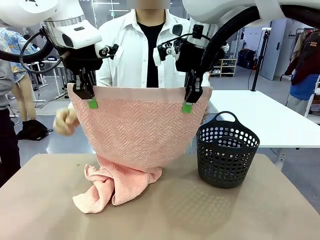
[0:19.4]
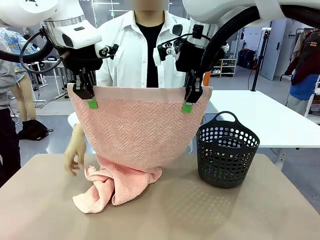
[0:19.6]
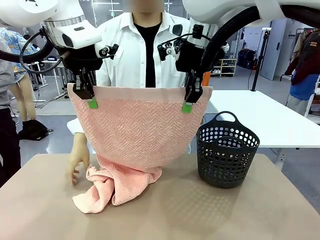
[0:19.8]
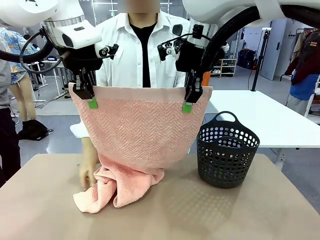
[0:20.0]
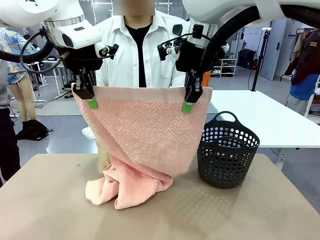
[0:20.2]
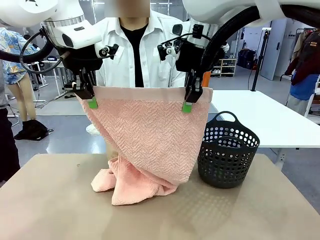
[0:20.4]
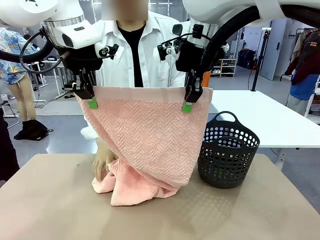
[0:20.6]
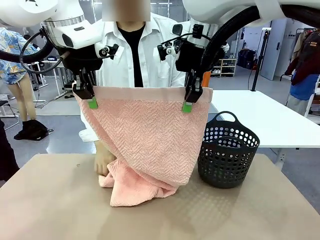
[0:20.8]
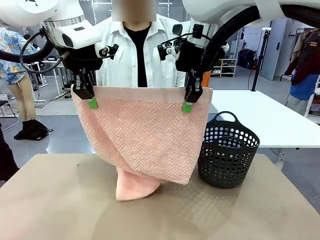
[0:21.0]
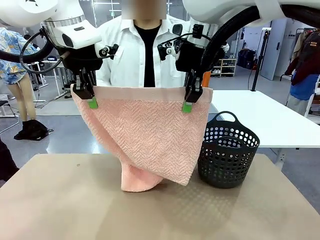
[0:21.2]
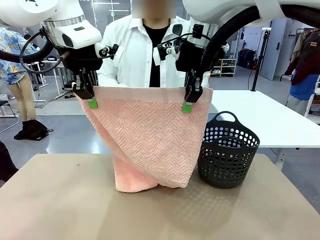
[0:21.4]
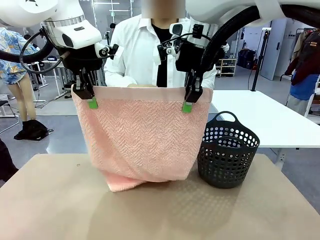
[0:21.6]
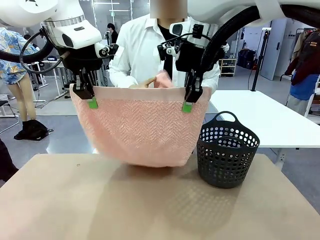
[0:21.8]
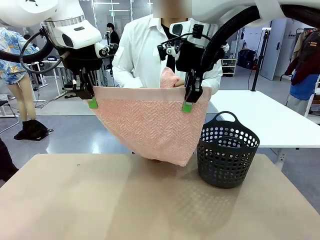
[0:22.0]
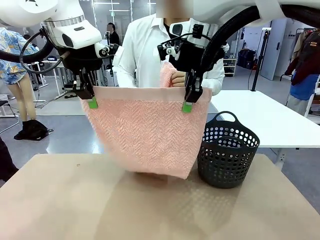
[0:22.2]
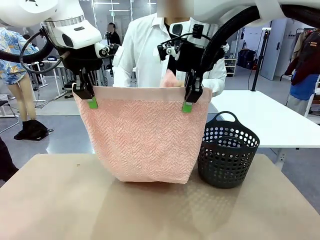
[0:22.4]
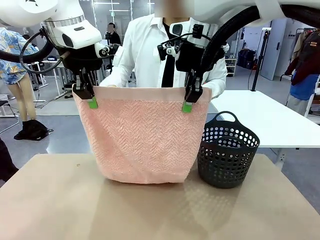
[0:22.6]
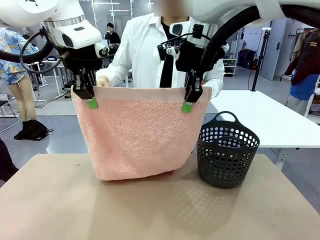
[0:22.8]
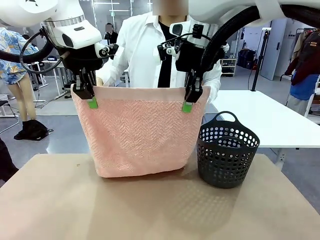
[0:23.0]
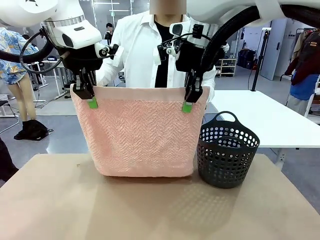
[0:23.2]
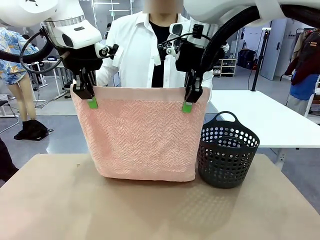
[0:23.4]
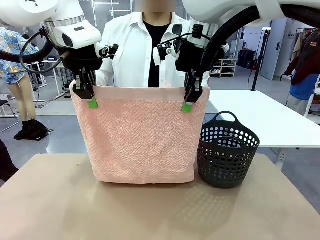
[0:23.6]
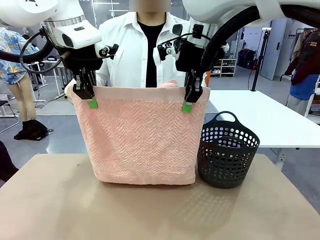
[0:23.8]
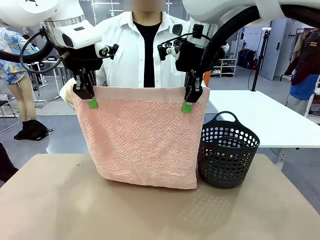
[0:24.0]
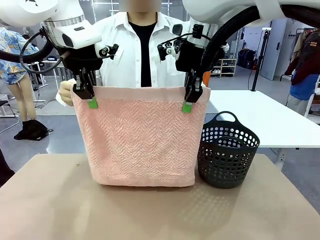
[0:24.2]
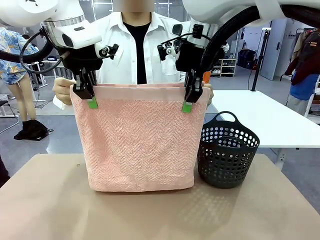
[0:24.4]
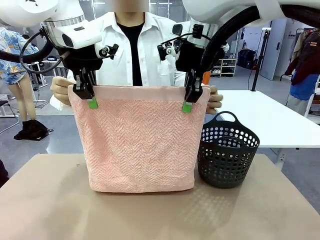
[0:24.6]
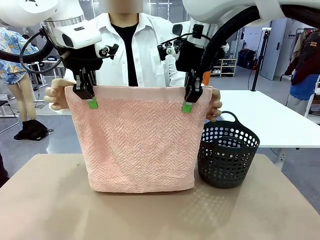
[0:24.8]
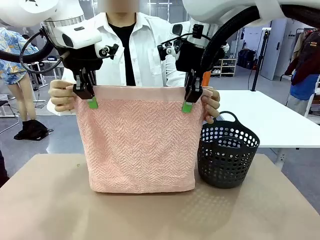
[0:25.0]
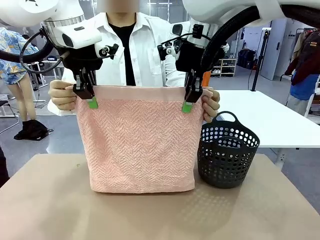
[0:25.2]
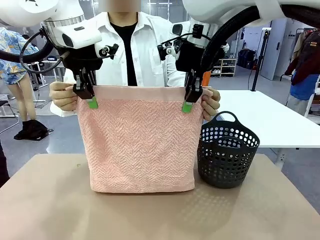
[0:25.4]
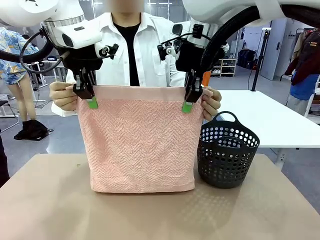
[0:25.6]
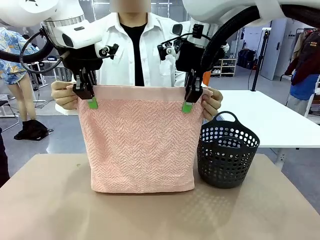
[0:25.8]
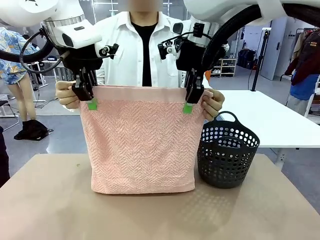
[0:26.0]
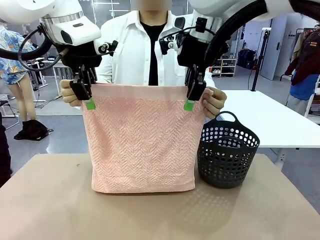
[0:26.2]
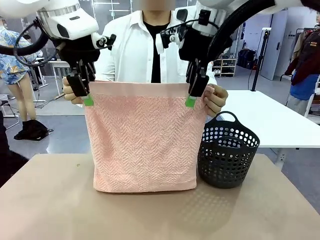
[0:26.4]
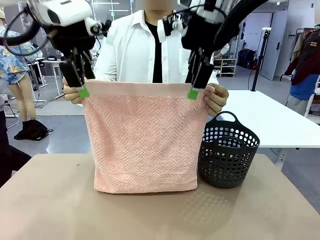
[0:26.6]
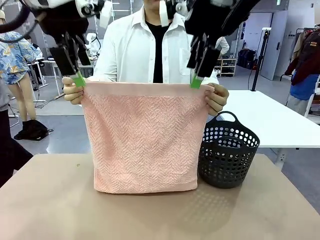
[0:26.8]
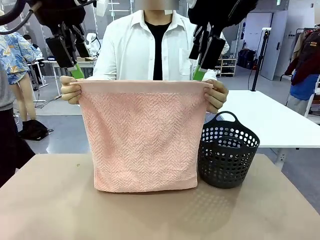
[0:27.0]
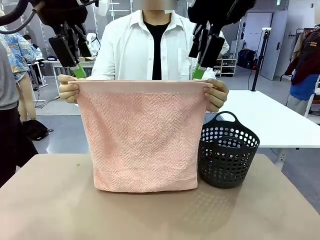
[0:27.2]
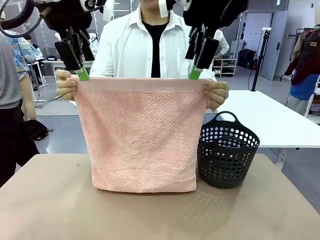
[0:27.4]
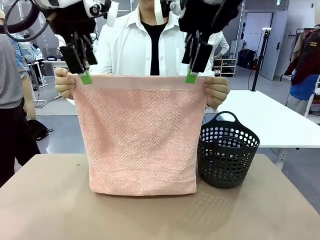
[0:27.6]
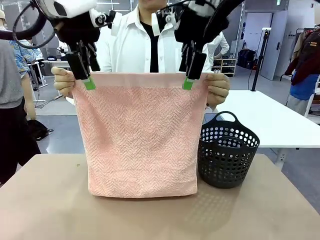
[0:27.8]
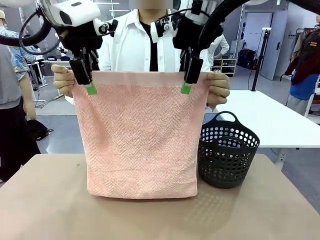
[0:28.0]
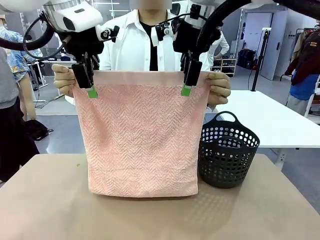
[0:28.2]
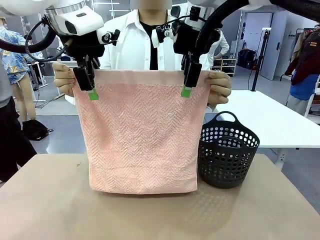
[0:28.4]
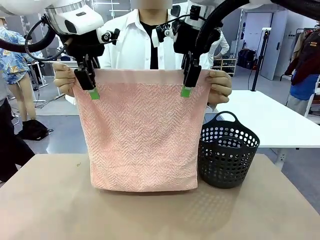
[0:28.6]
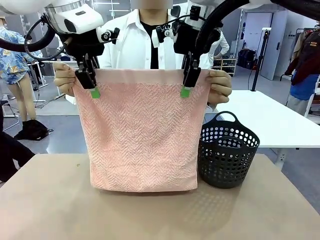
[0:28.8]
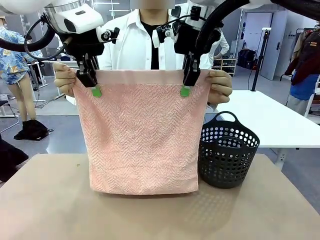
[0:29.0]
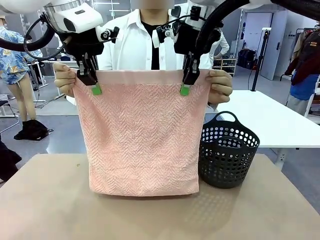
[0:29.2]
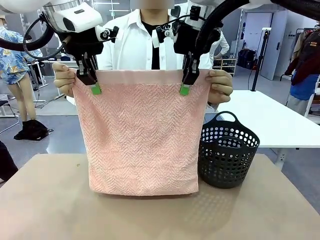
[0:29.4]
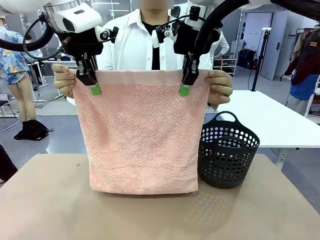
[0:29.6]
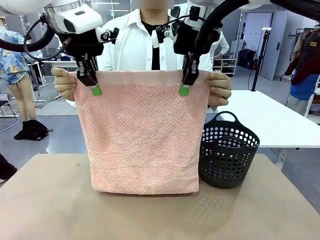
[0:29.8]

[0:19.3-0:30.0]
Task: Fold the towel.
Robot: Release the end of the 100 cm Hotel Towel you were holding and grab the top end of the folded side.

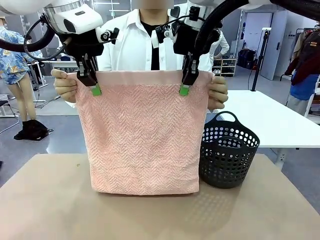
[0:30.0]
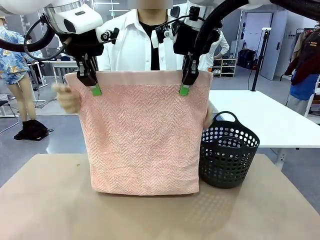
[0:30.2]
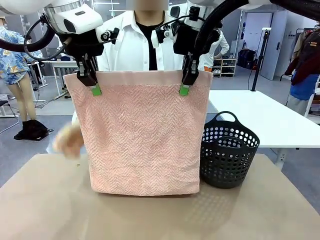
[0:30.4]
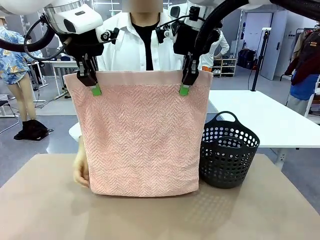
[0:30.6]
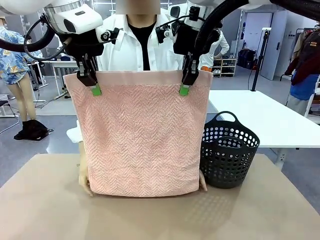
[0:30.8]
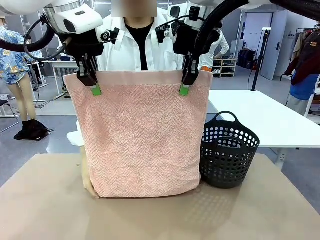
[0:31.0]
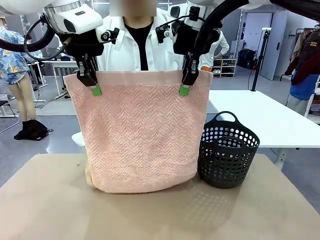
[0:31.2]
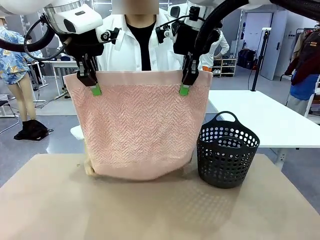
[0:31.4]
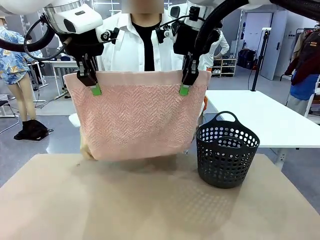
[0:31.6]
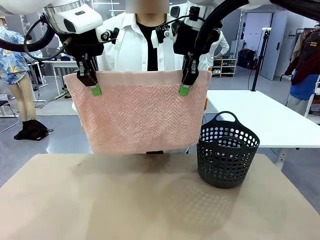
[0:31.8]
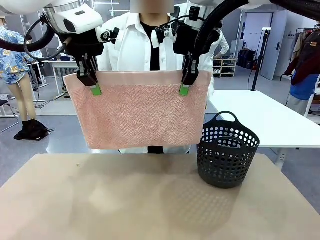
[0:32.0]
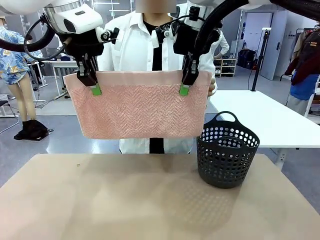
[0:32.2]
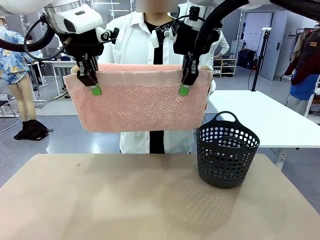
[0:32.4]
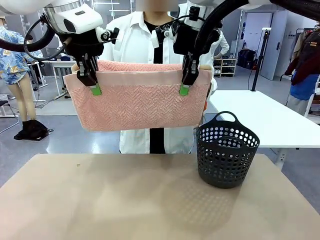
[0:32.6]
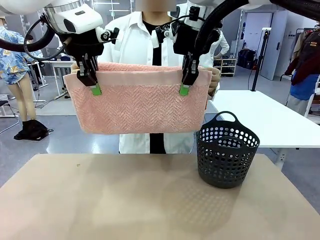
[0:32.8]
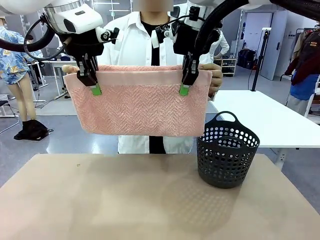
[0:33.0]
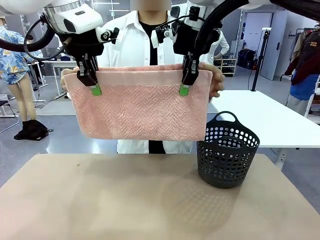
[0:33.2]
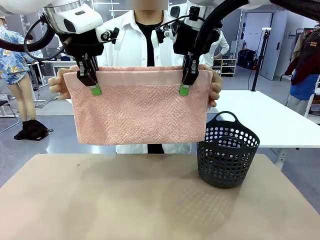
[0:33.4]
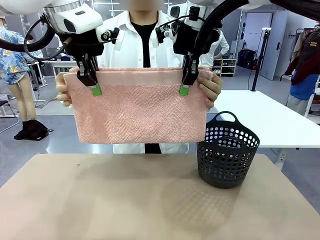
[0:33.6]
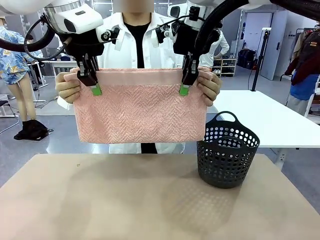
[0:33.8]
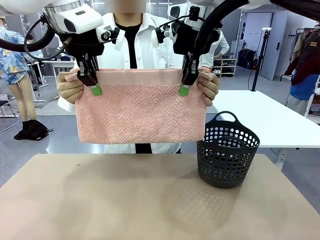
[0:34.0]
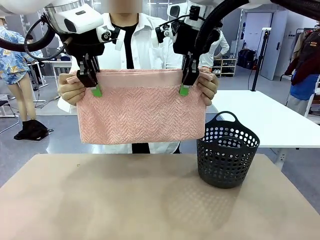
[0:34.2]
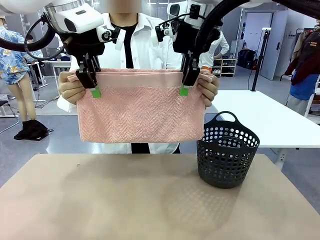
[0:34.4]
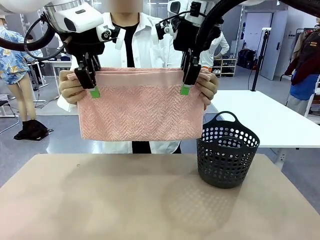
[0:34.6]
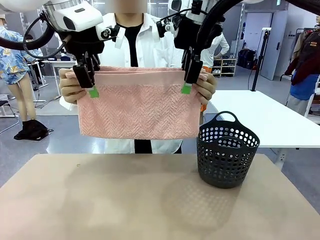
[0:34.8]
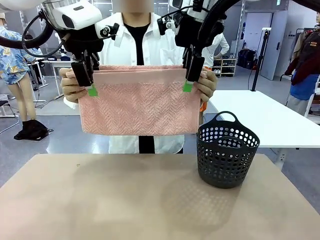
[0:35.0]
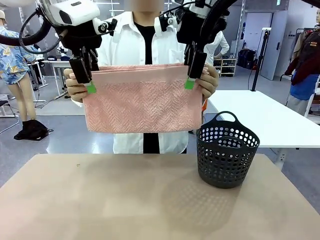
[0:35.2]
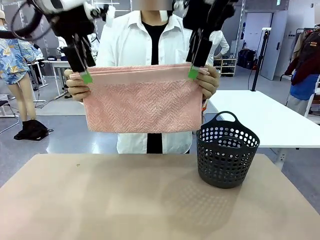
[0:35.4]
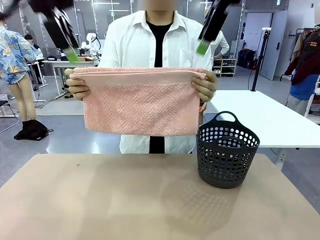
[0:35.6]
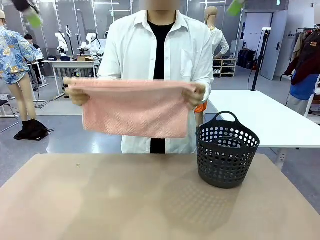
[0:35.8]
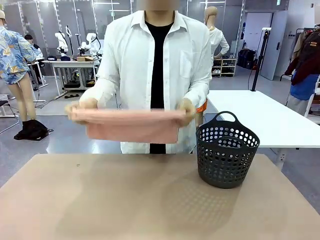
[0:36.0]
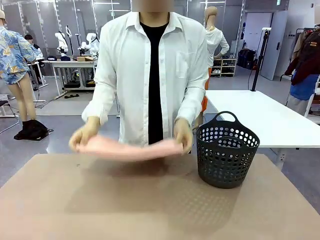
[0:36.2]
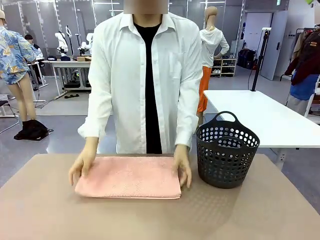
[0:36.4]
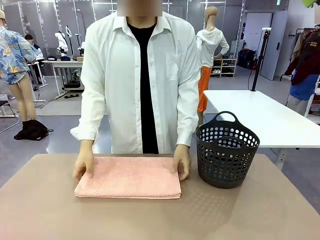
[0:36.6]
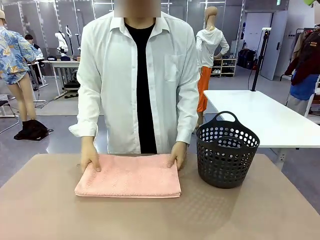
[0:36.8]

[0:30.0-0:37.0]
Robot: Release the end of the 100 cm Hotel Towel you were holding.

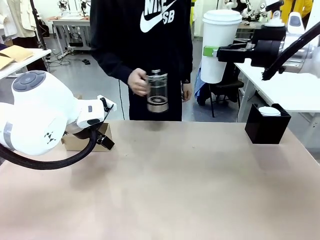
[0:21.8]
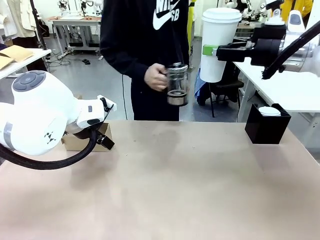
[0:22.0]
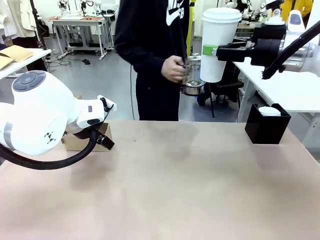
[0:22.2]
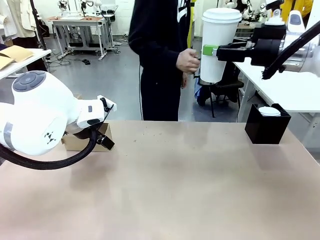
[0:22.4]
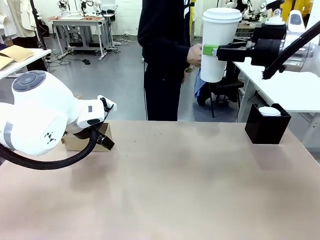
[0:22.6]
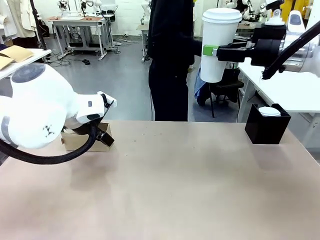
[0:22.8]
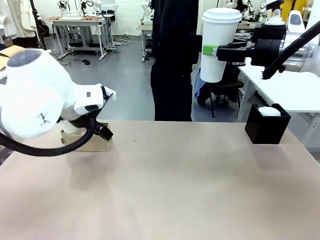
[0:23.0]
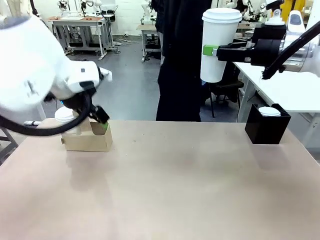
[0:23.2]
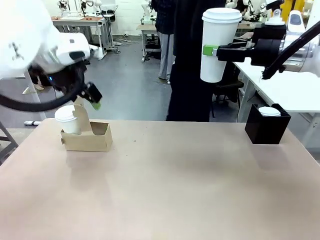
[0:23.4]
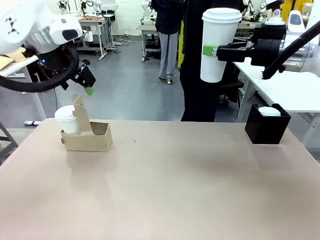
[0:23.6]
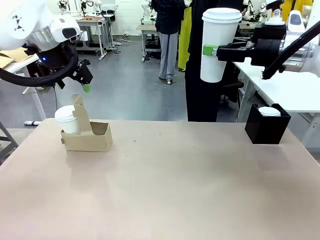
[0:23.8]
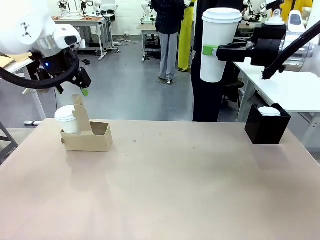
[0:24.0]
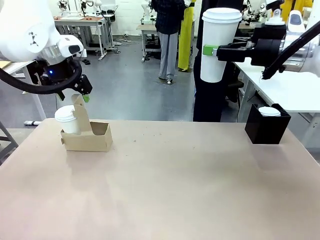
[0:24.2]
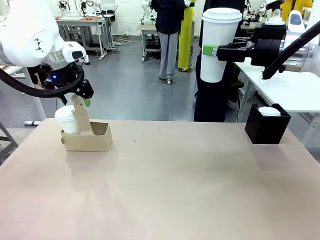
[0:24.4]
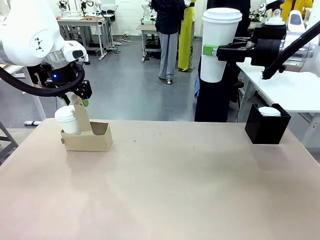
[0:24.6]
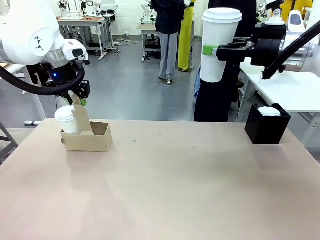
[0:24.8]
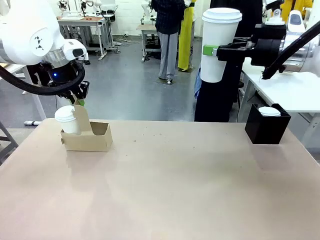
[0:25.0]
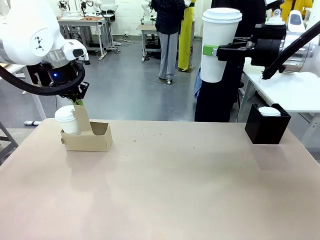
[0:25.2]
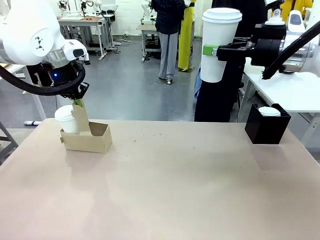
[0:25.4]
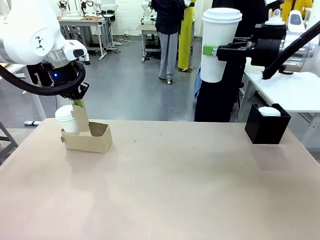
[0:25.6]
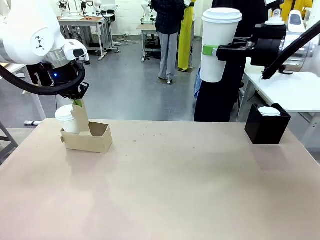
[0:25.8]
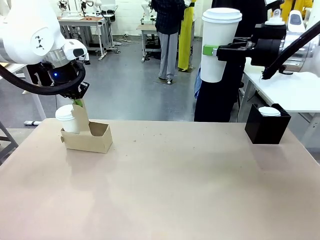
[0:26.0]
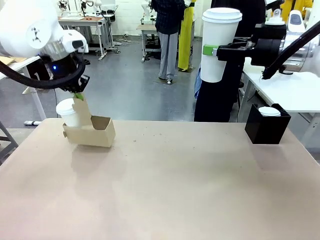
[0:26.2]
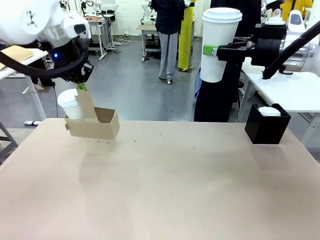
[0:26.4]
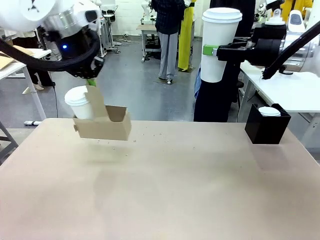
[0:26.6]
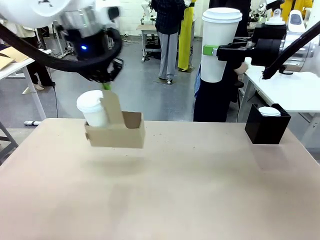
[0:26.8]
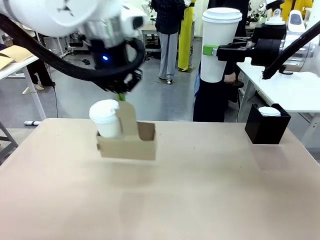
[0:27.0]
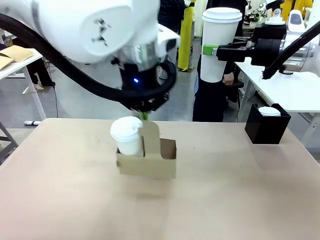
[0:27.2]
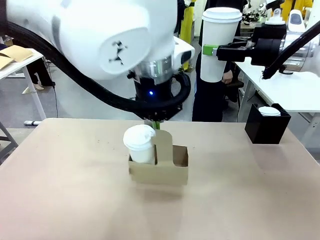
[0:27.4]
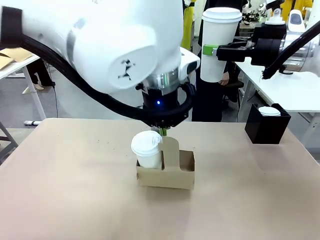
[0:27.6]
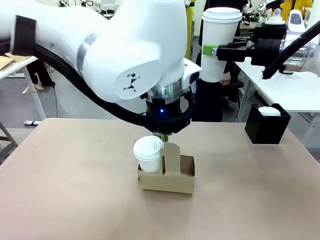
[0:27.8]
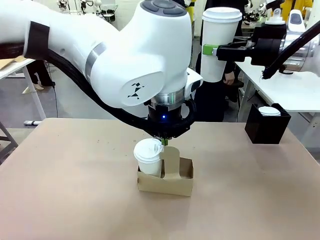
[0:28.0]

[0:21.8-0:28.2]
Task: Pour a drink into a cup and package it in a carrier.
Robot: Position the Cup Carrier in the center of the table.
